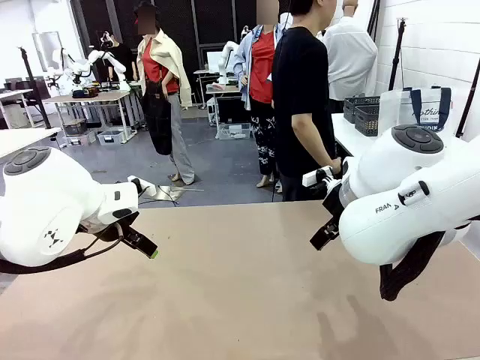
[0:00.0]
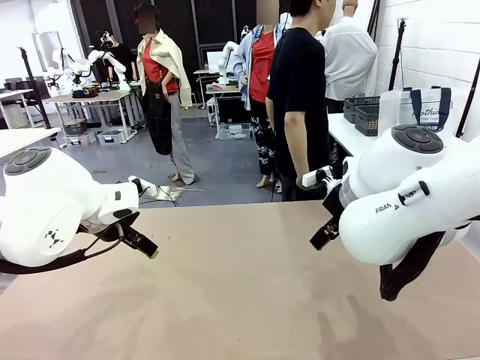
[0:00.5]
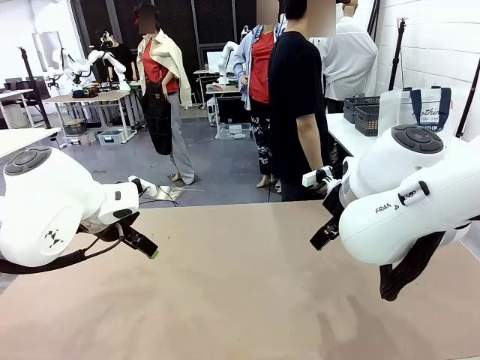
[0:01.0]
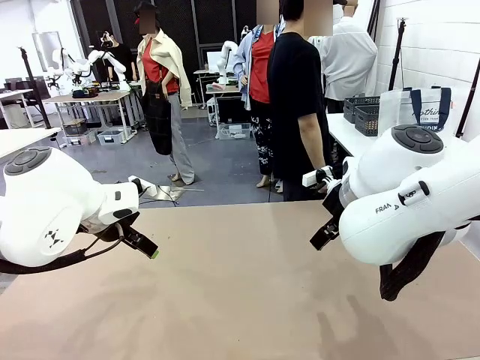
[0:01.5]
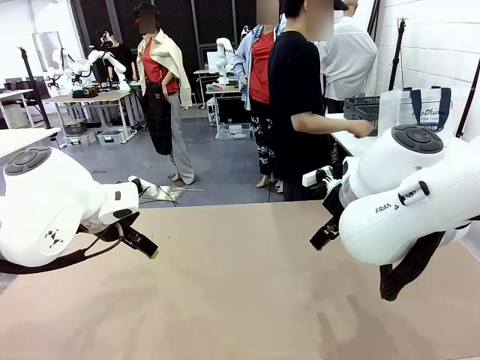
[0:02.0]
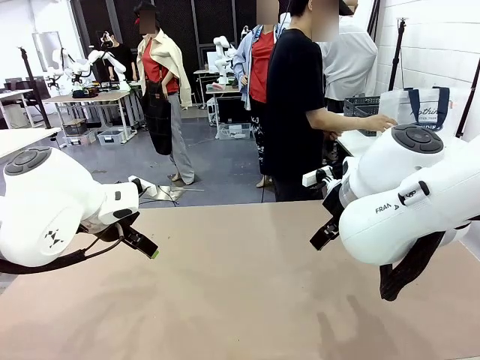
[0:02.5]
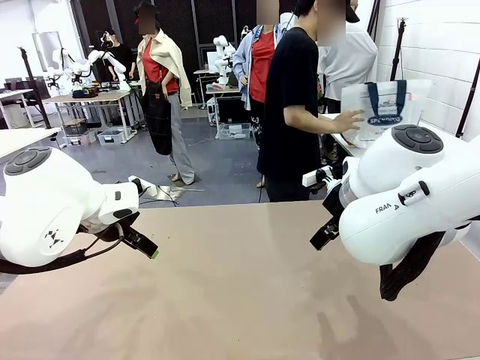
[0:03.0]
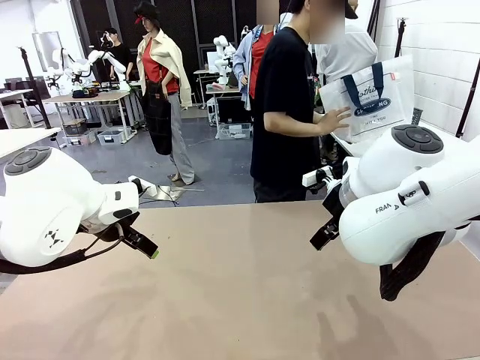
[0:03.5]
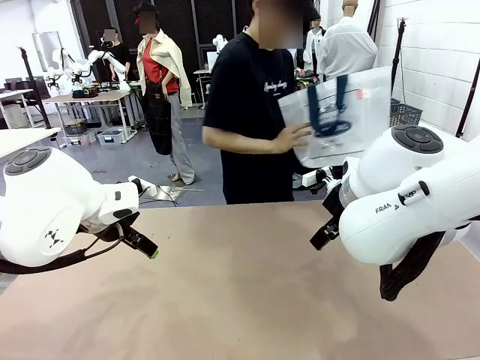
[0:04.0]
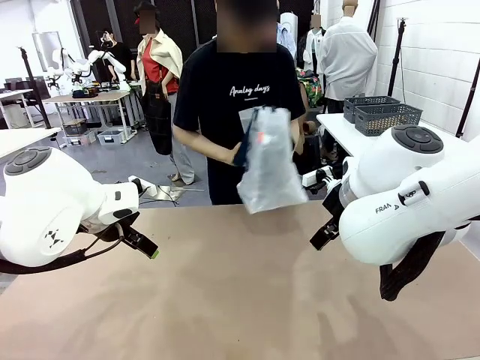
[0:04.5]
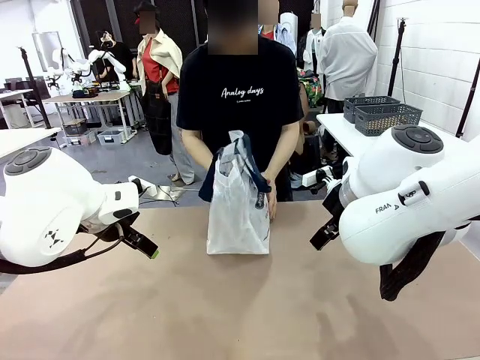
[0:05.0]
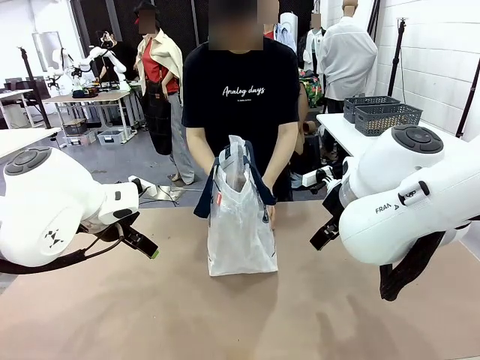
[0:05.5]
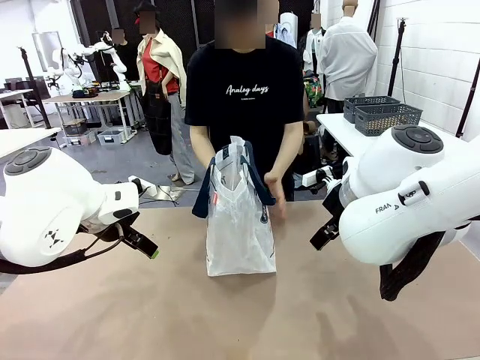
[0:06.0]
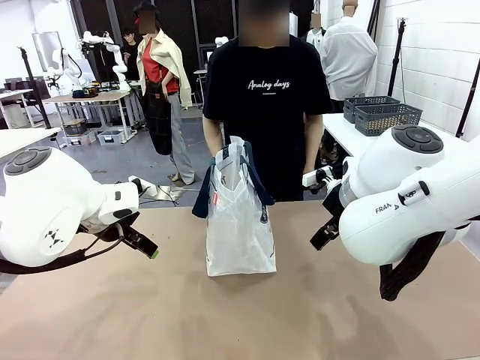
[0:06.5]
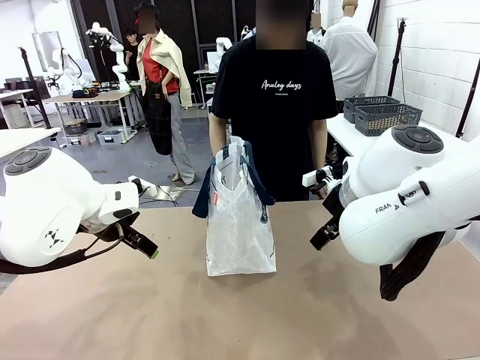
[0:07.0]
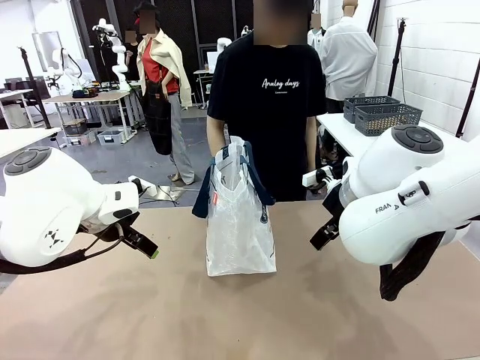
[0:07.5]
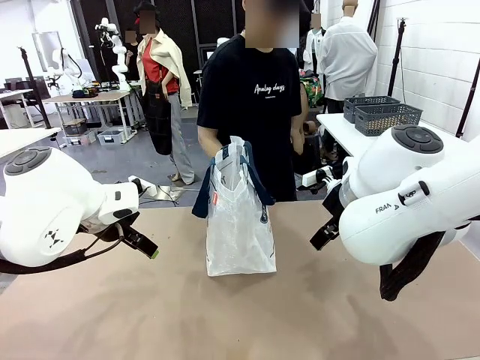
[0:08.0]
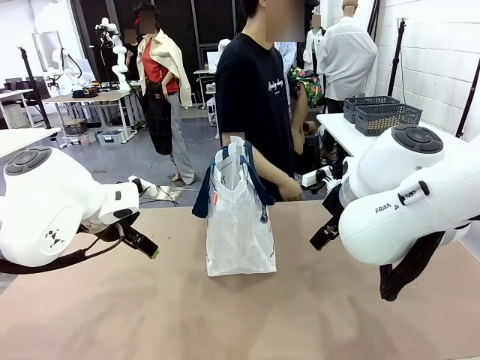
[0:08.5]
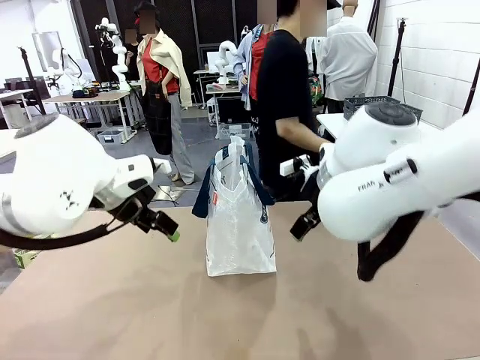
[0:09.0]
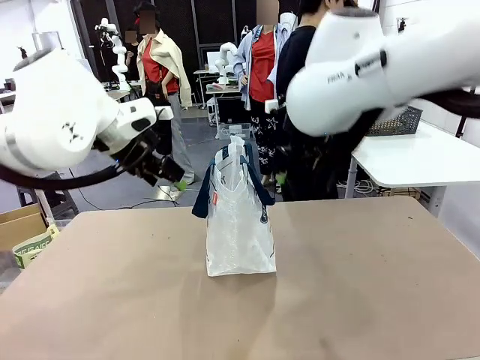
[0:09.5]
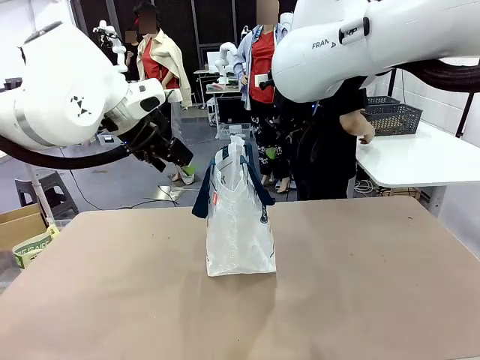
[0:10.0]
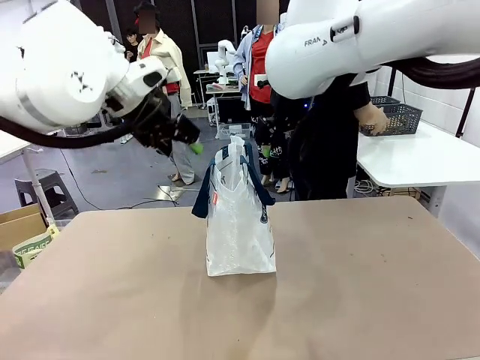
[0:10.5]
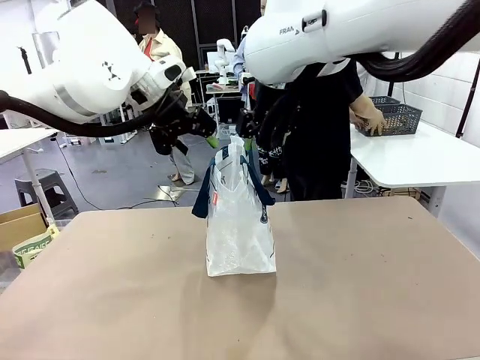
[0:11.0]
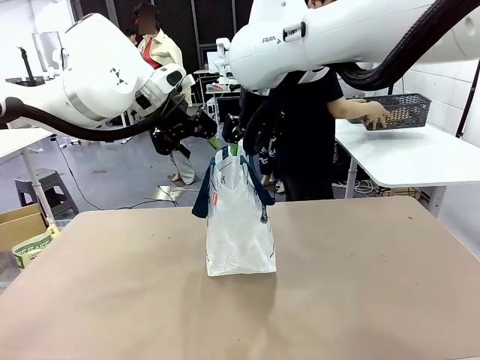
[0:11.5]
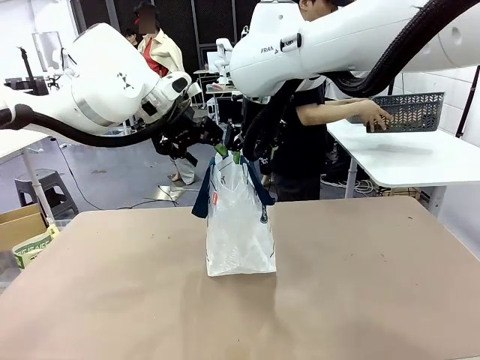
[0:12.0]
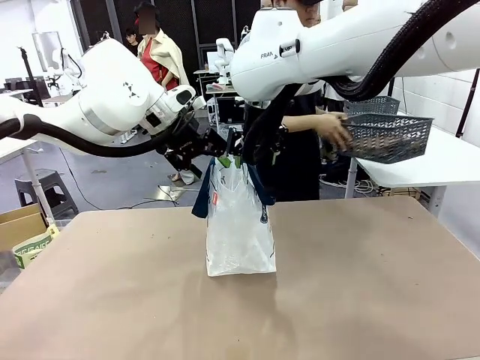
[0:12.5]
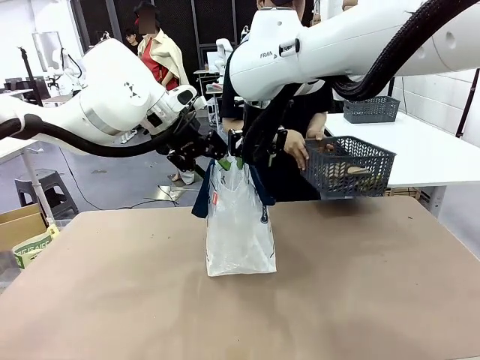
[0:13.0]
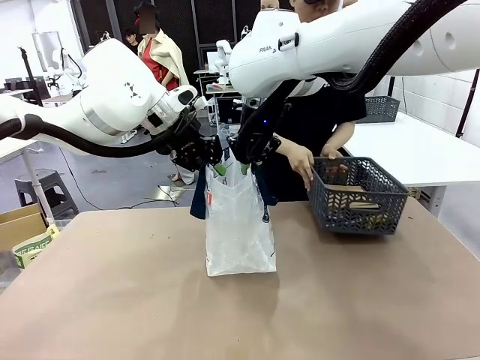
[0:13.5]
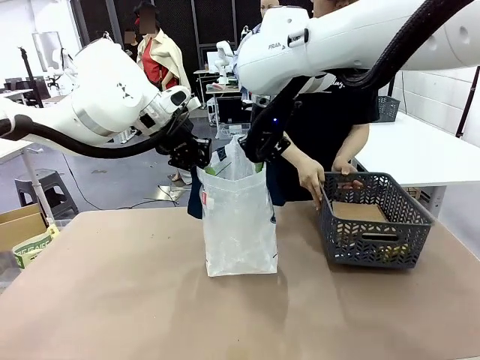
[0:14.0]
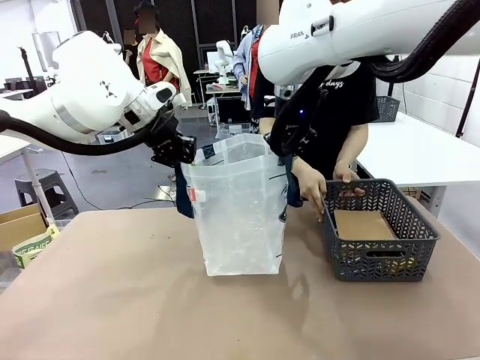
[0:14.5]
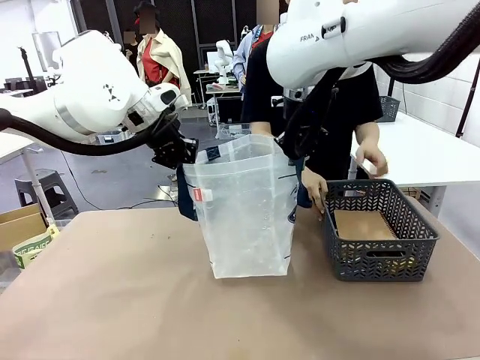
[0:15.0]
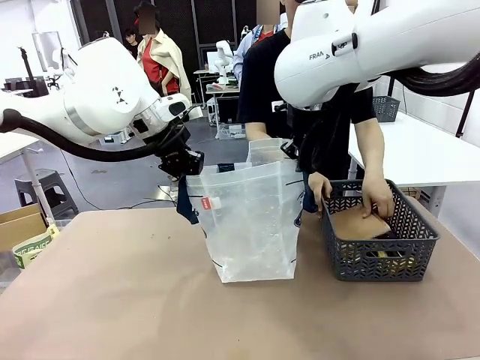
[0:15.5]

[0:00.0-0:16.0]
Task: Transfer purchased items from the store into the shopping bag.
Robot: Open the Reusable shopping bag in the center of the table.
Person: Pick up the shopping bag and place it in the middle of the robot table.
